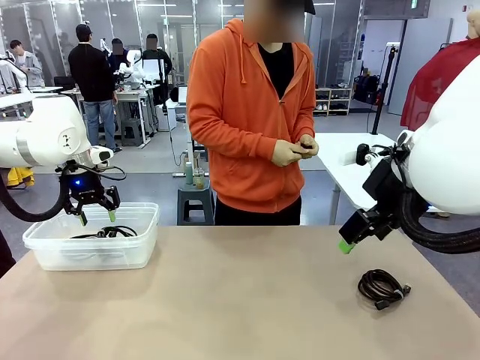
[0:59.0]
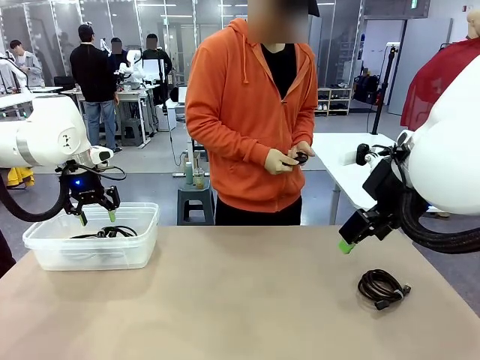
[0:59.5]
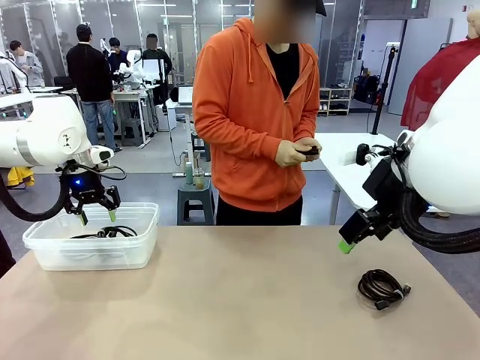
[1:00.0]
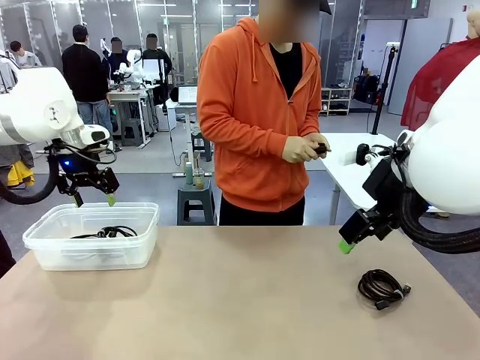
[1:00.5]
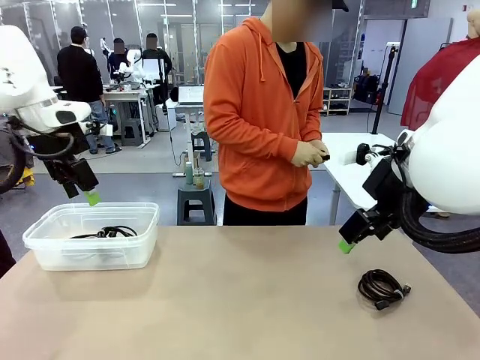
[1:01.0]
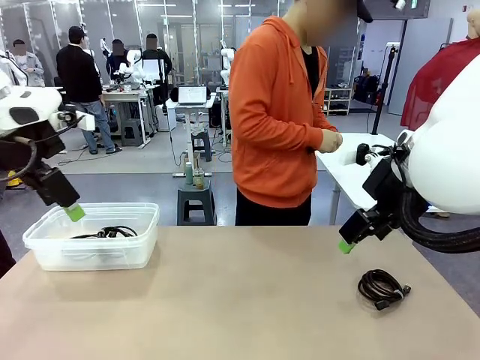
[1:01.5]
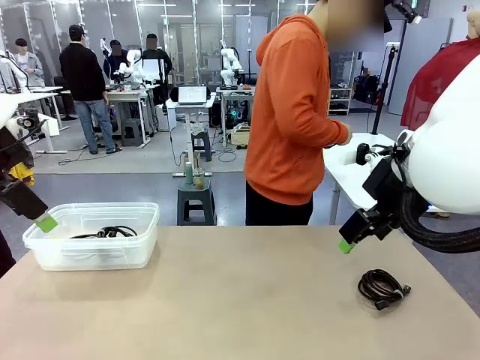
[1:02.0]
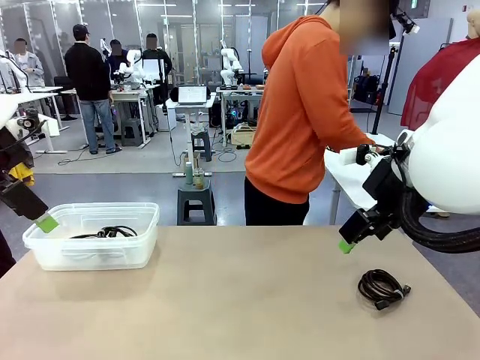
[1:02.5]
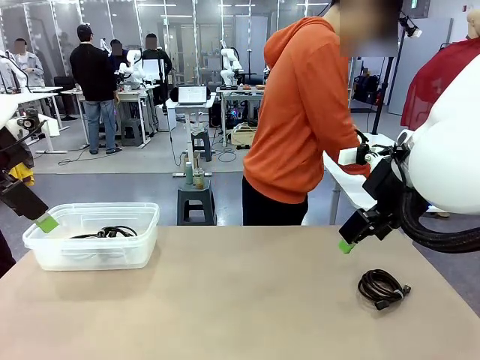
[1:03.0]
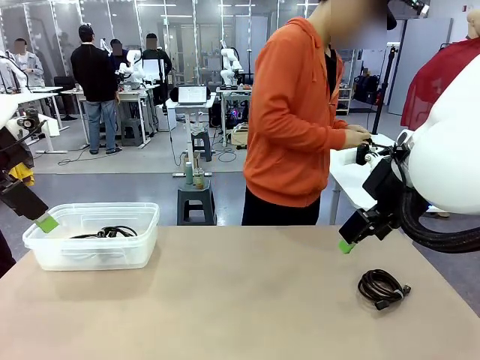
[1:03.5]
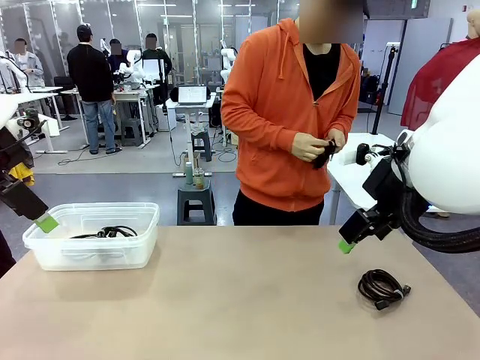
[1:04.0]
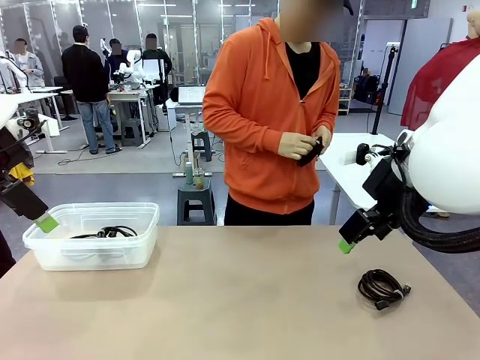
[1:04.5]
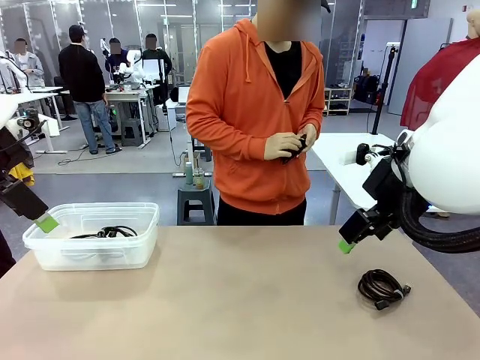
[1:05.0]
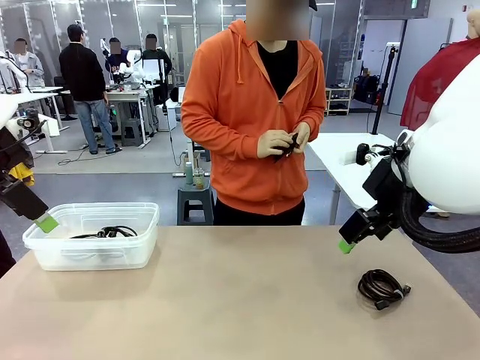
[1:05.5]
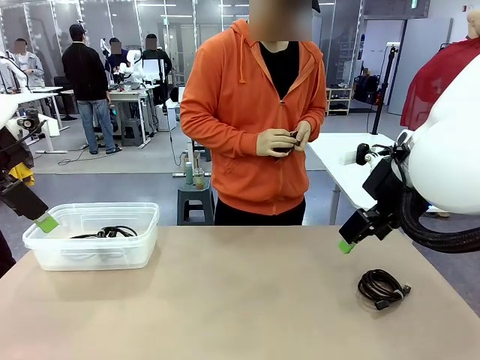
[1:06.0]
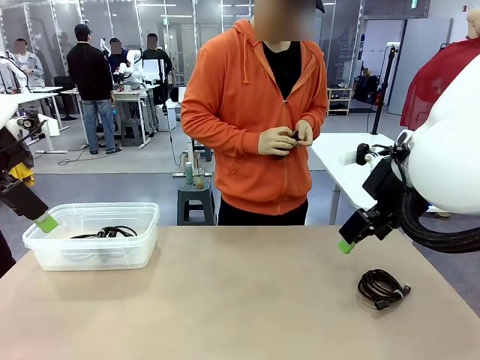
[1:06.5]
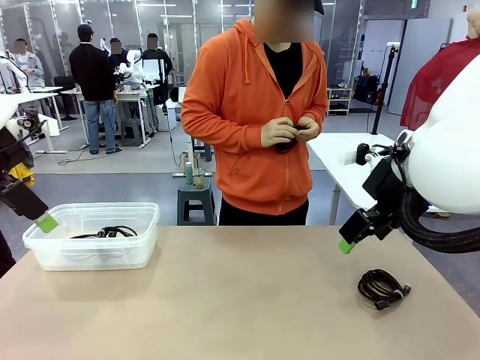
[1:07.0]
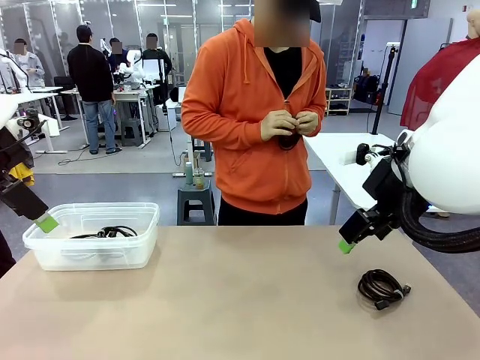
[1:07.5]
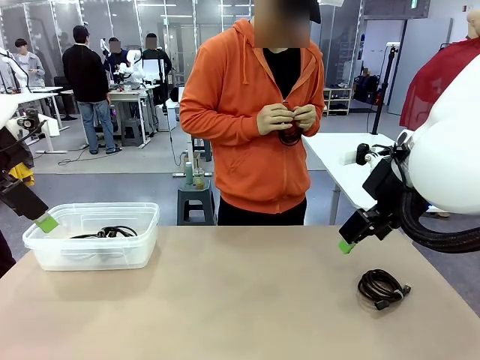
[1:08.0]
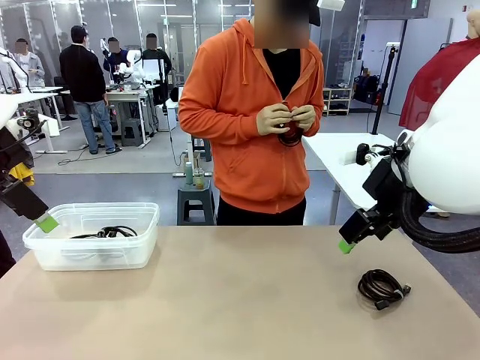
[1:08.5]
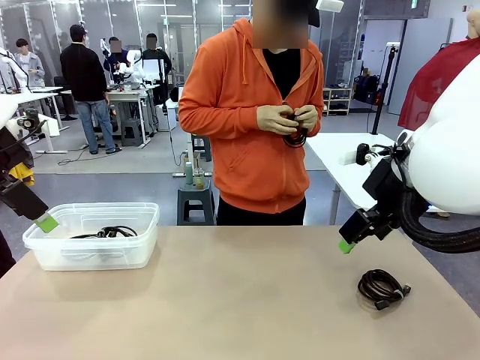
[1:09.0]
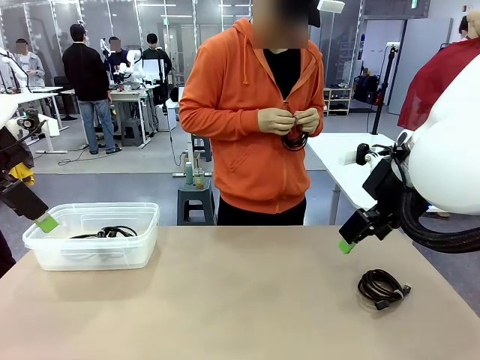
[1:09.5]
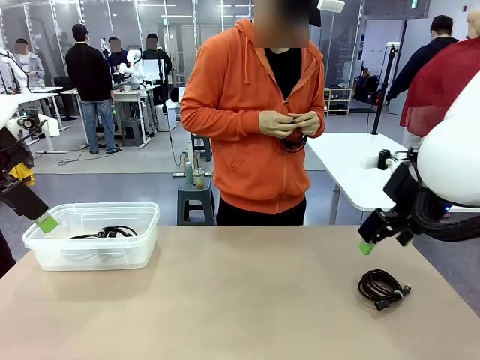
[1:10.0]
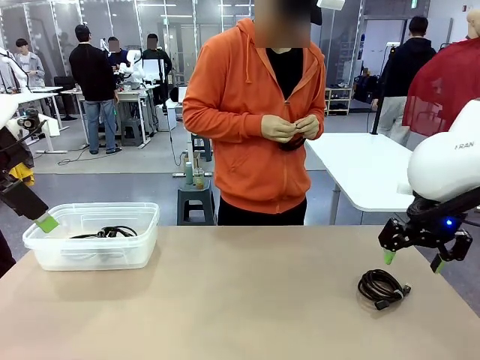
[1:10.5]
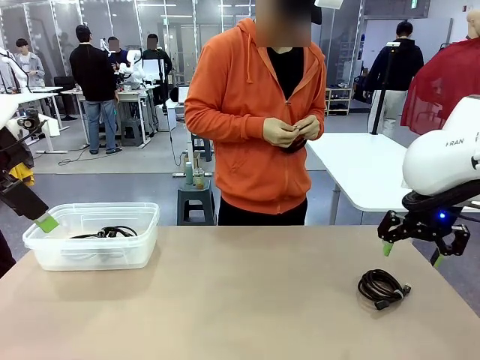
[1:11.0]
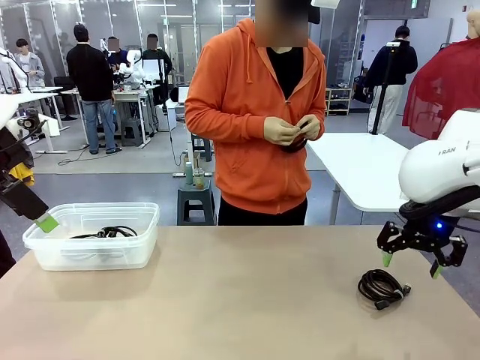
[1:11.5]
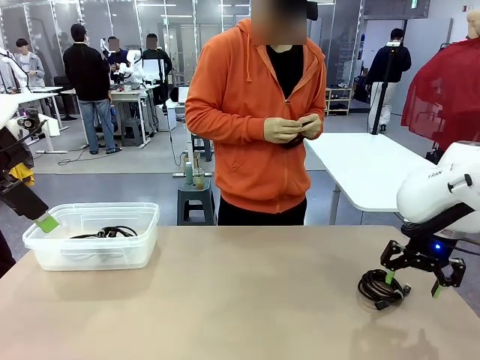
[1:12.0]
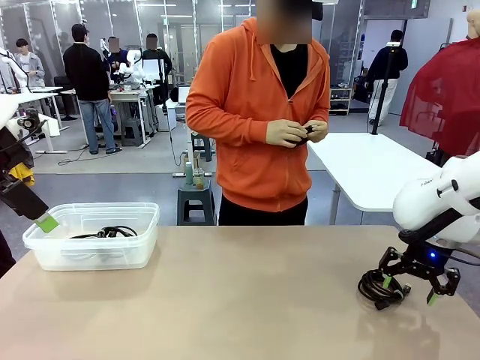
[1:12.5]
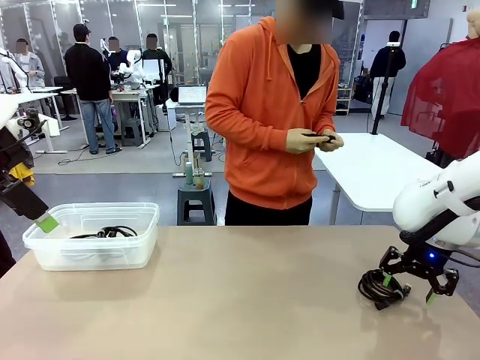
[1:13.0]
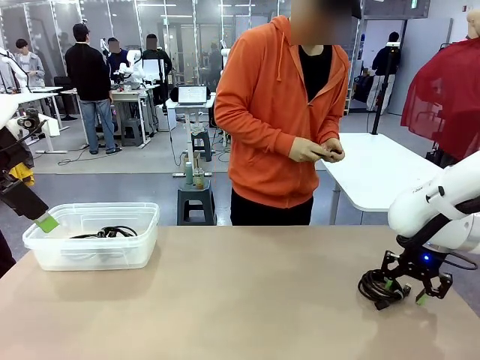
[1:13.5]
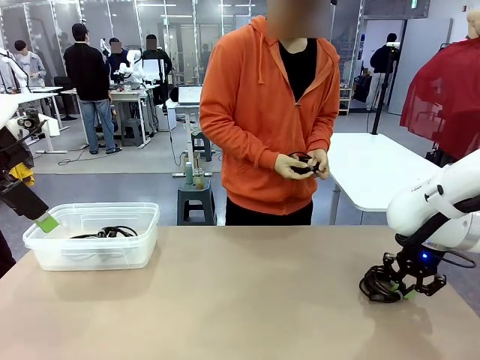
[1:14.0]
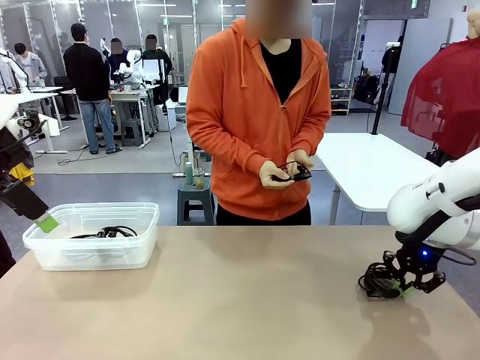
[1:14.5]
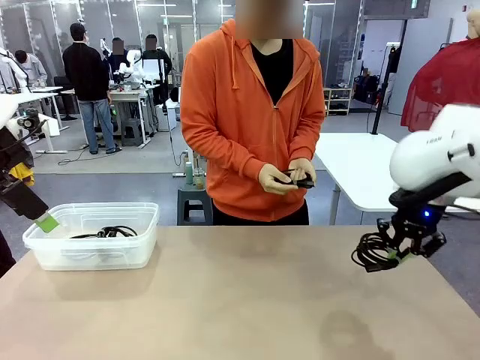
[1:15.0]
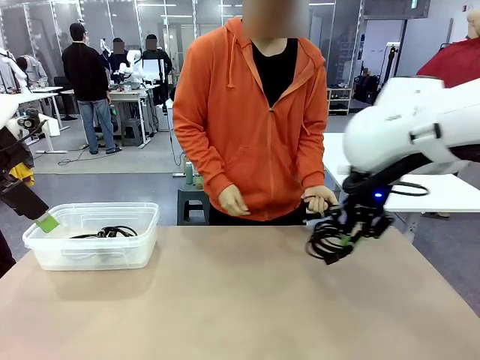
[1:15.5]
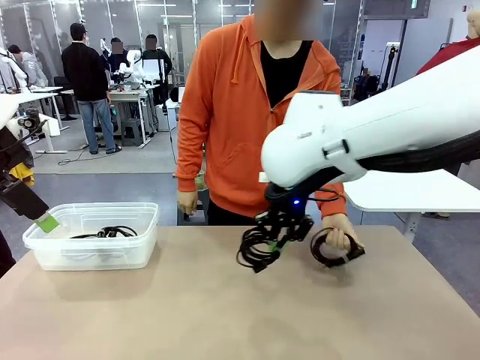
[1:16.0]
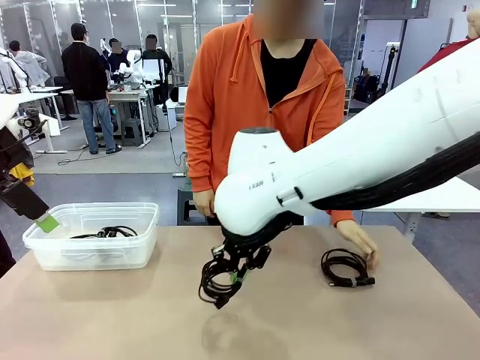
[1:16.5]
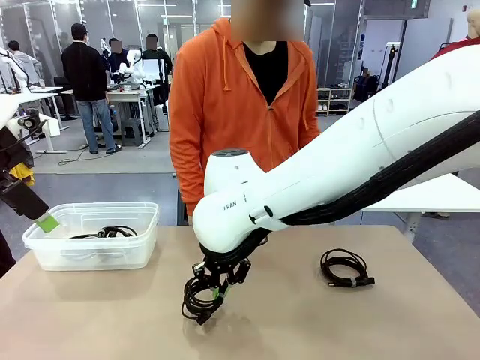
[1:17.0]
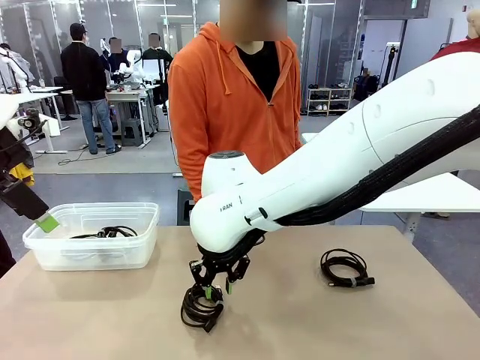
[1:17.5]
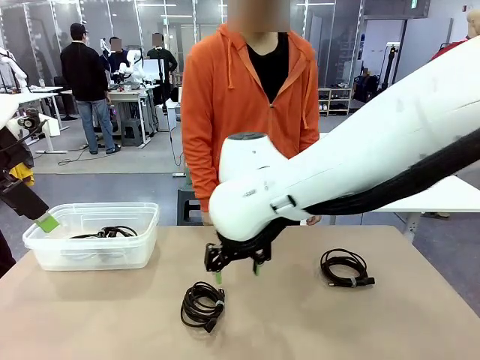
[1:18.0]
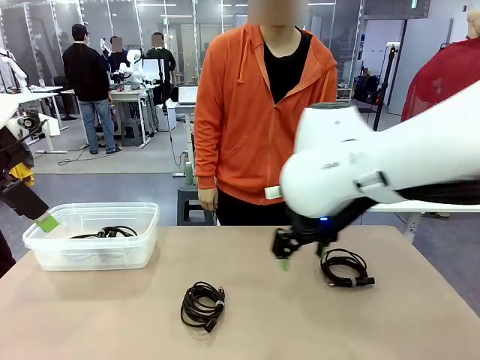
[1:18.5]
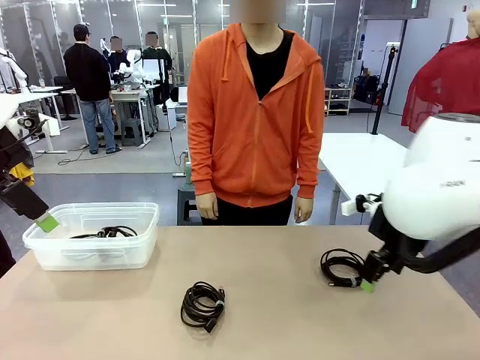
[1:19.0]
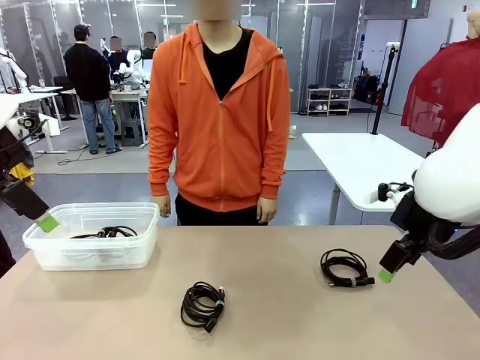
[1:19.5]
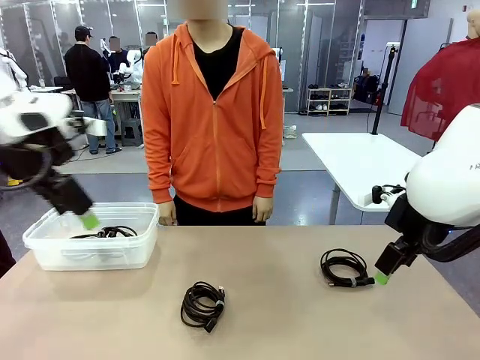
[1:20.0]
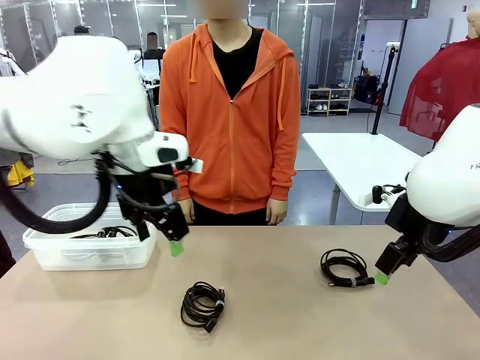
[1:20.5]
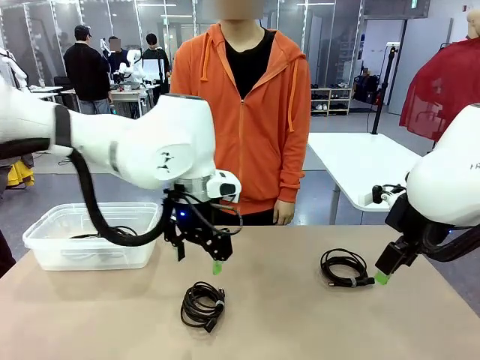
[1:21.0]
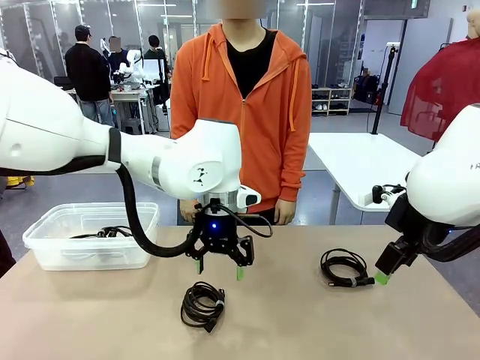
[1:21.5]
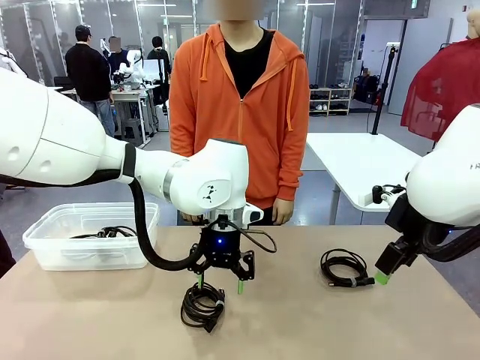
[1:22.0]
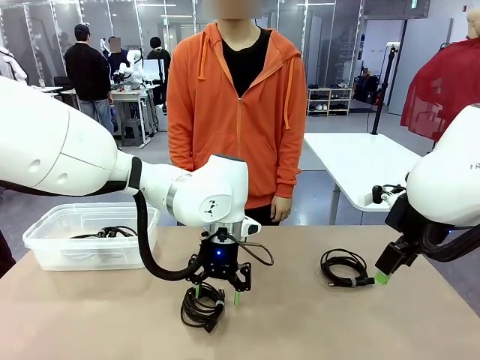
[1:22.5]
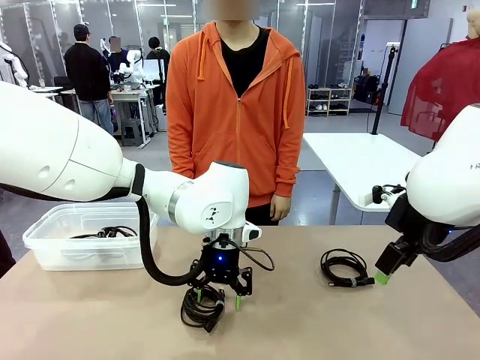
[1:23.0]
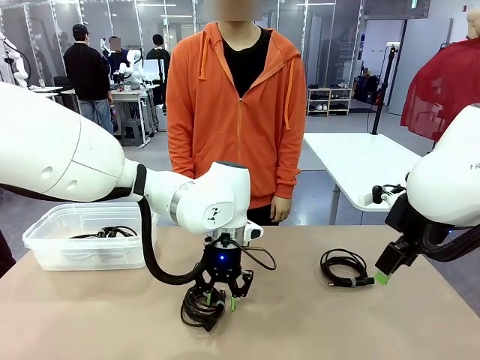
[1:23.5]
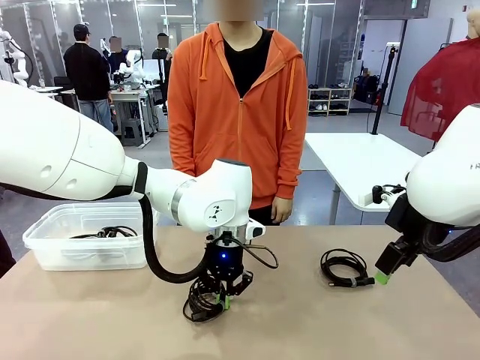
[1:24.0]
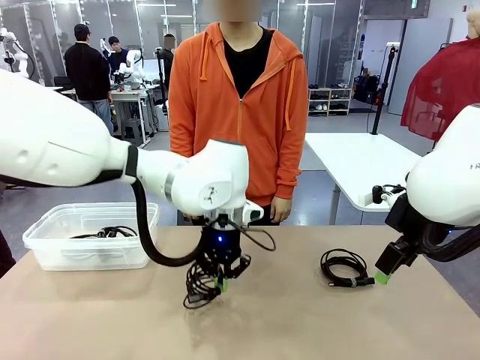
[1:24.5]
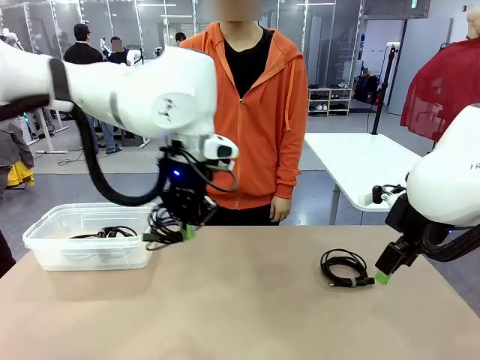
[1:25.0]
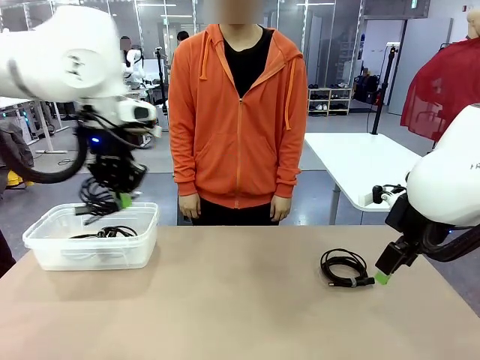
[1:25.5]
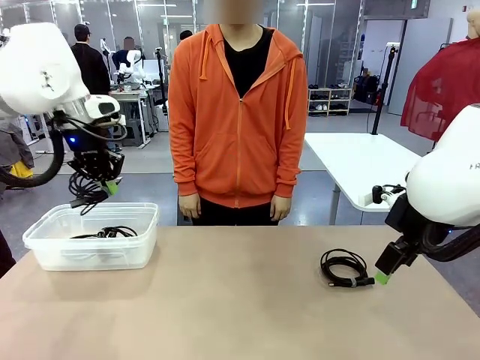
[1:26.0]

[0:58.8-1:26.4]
Task: Organize and store the cables.
Robot: Place the USB Extension Cable into the Organizing box.
